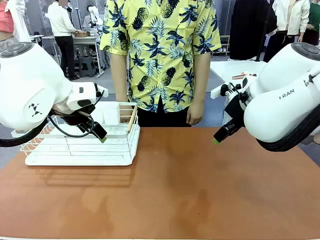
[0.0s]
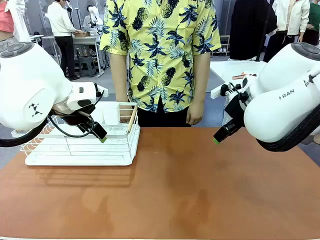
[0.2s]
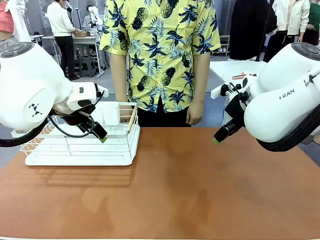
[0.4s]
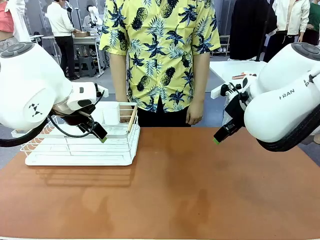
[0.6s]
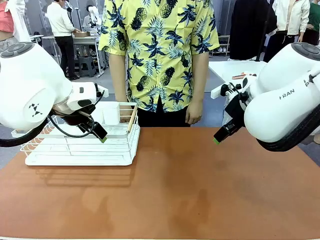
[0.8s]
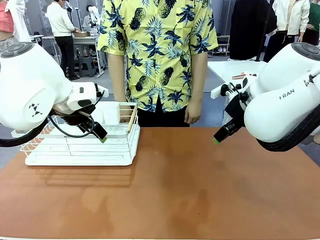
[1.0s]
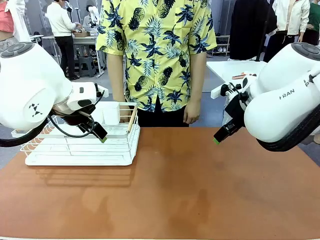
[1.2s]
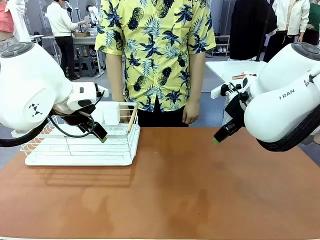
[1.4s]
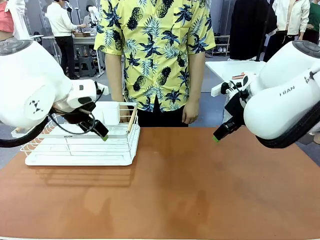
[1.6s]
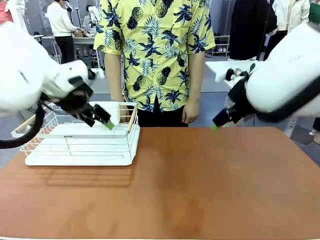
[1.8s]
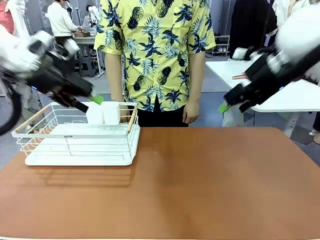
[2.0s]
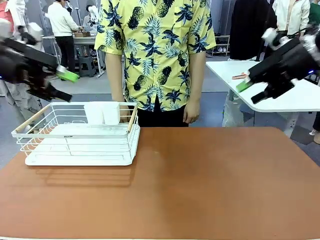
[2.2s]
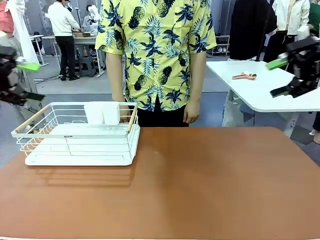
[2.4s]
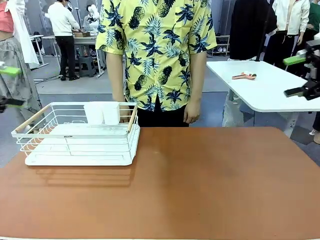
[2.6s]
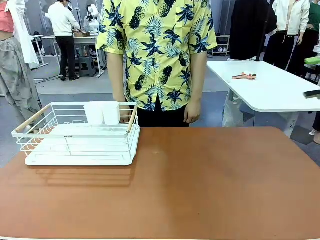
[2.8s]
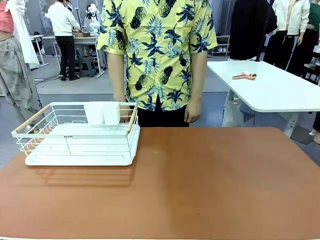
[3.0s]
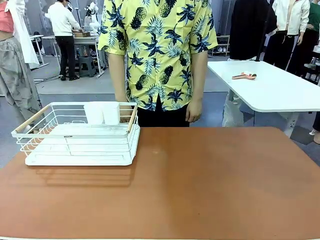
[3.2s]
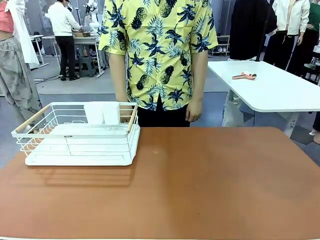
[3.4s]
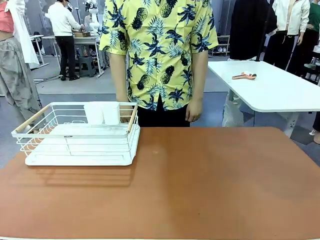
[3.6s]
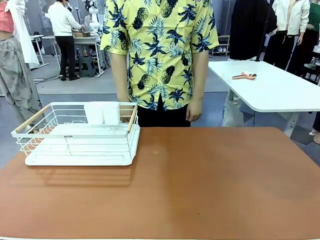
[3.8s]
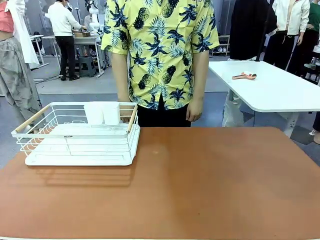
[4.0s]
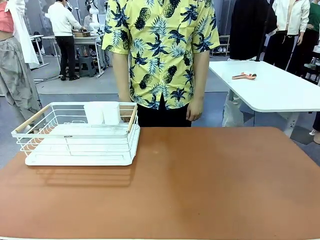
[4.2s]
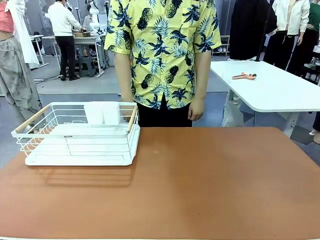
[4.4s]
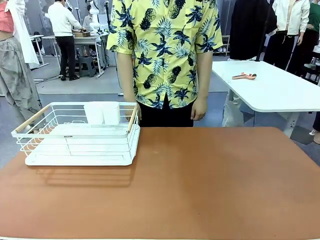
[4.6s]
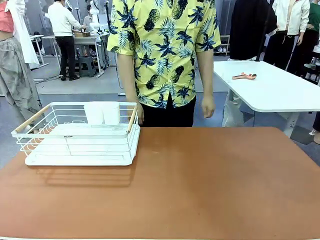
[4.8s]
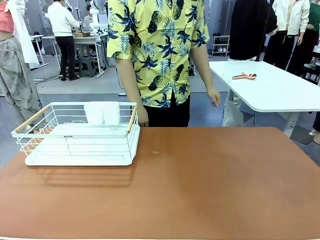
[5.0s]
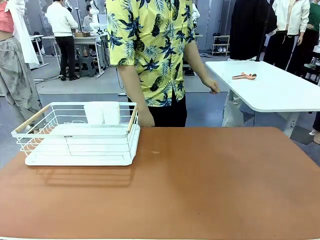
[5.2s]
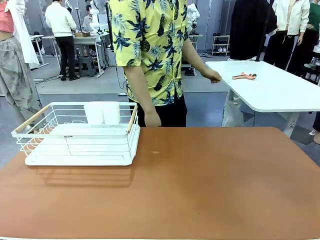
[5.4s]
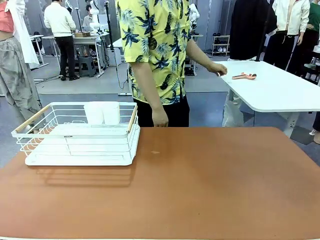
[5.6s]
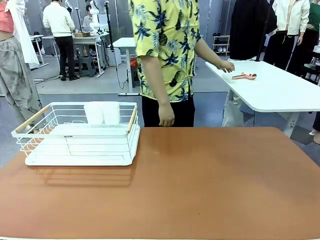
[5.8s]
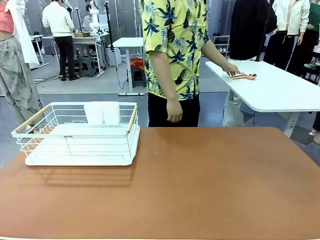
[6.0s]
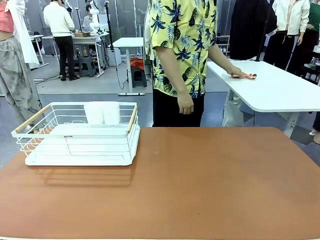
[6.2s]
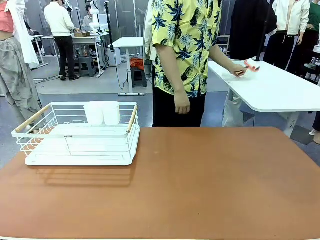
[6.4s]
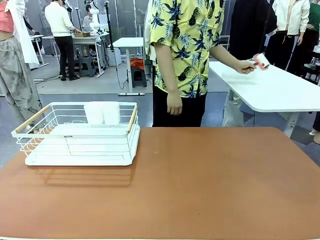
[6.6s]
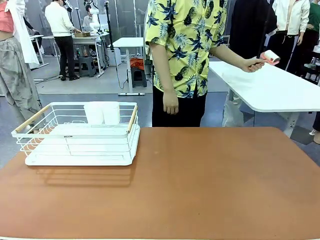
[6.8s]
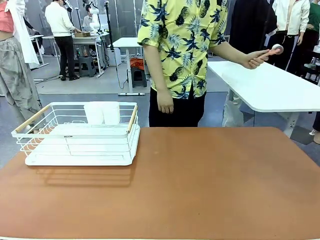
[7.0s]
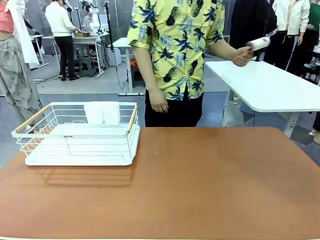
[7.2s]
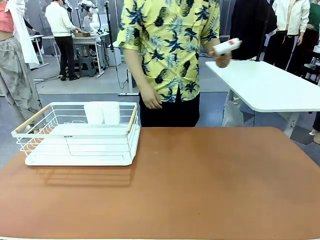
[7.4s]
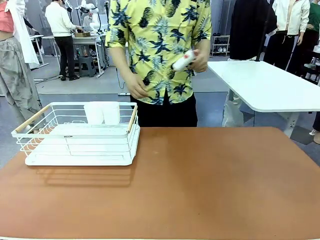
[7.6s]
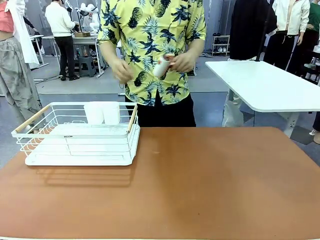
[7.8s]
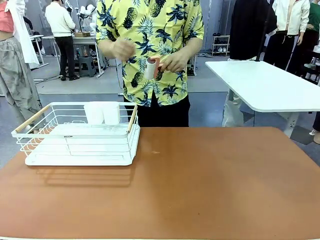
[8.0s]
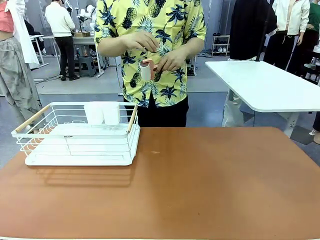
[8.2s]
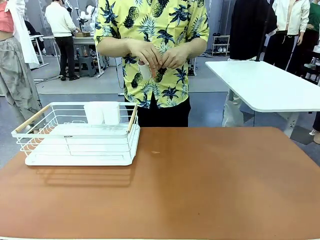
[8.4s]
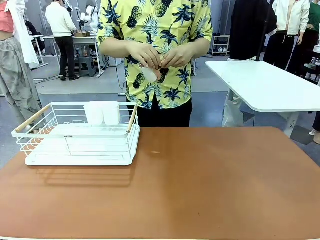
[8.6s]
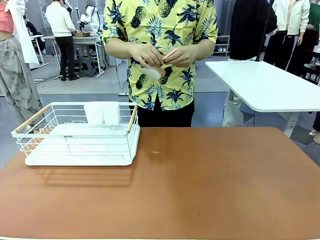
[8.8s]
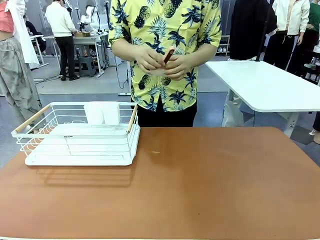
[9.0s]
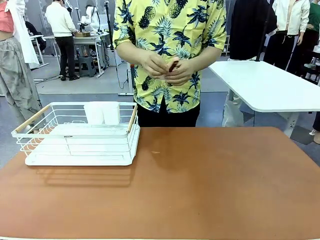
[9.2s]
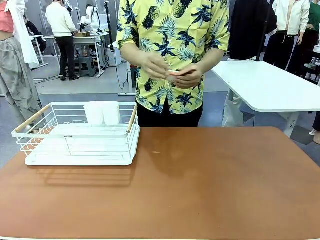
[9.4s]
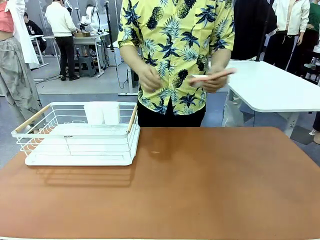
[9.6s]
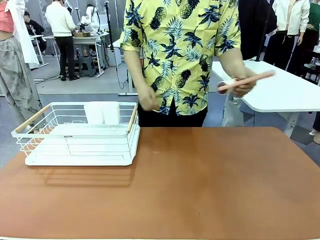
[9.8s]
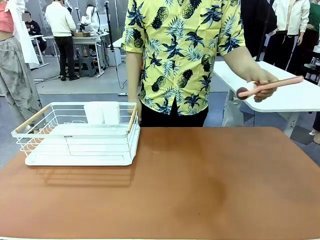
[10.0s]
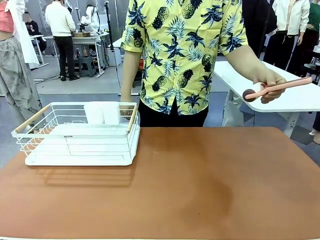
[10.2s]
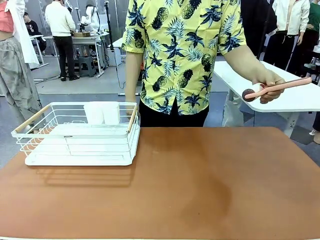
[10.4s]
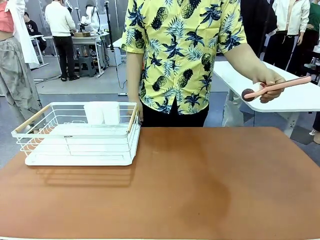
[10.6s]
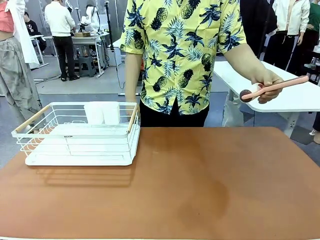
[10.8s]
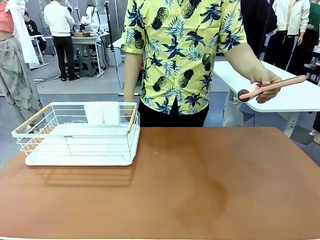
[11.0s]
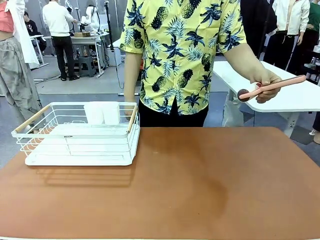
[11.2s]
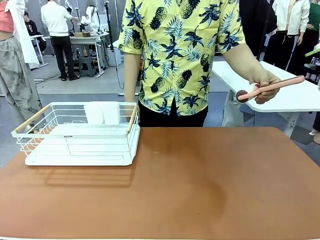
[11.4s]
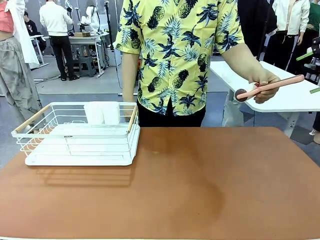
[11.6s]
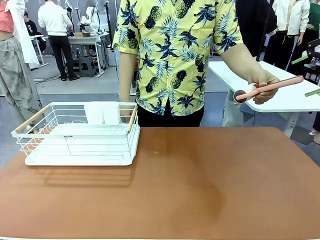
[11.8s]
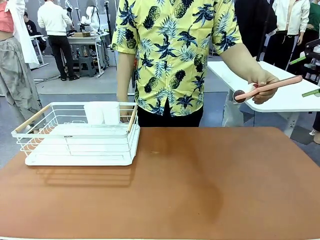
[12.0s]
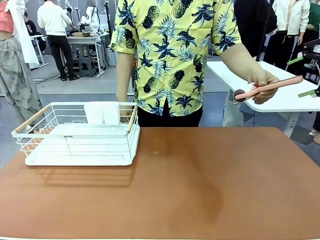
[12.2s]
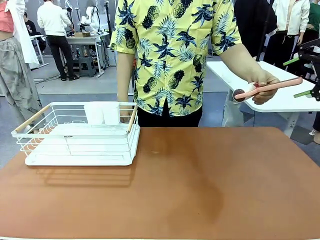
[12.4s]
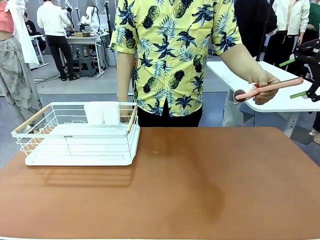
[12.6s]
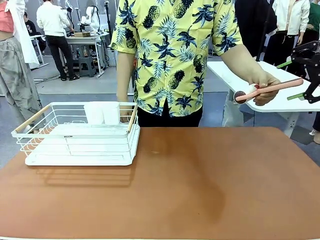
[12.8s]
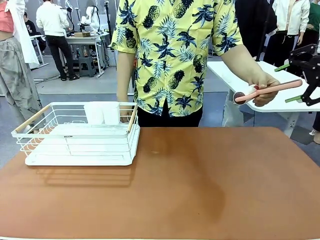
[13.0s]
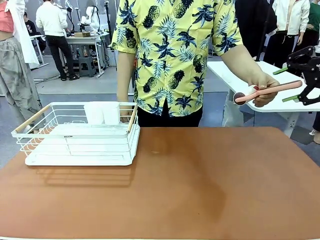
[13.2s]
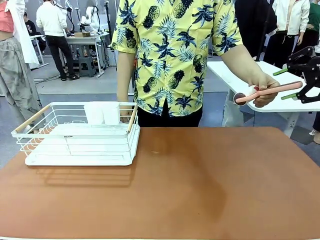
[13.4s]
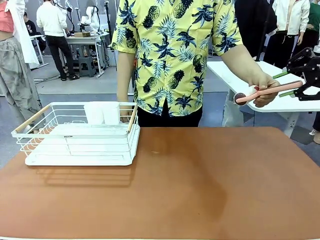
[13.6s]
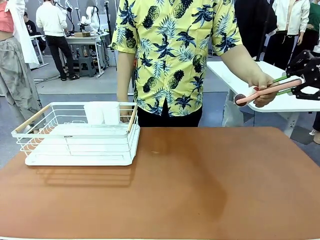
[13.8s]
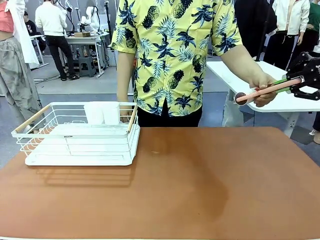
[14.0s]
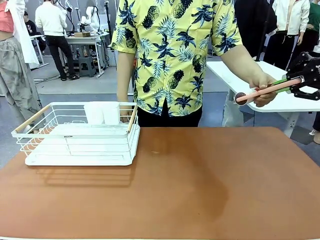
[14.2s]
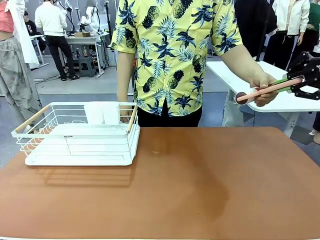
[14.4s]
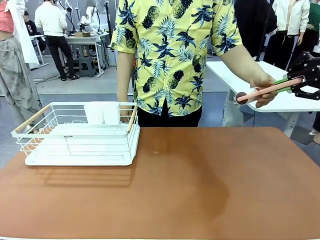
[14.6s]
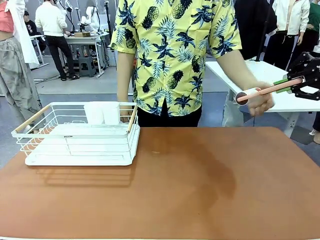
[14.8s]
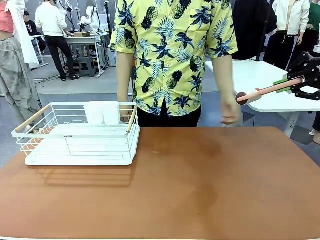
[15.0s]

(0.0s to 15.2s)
Task: Clean the table.
Robot: Pick up the Lint Roller when the human hands it over.
Person: Hand the Lint Roller to the robot so it can easily pick it up. Lift the Dish drying rack.
